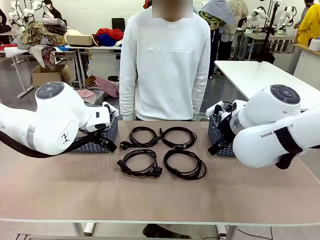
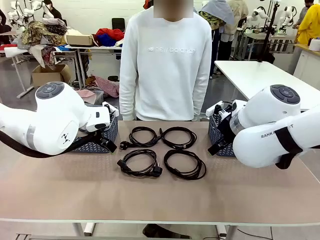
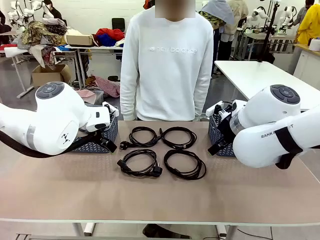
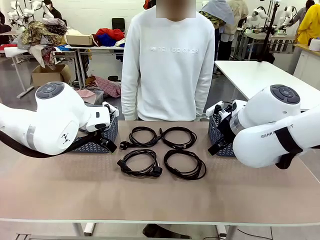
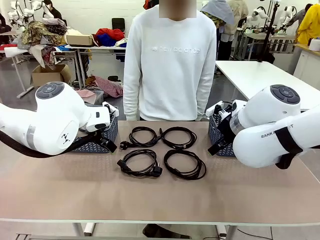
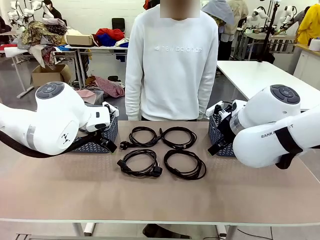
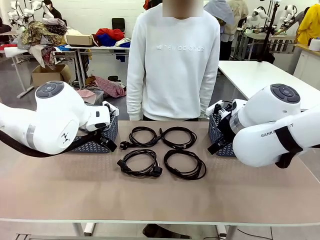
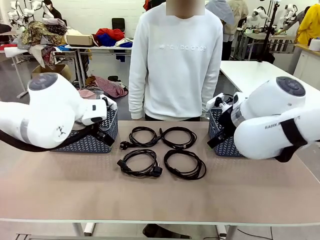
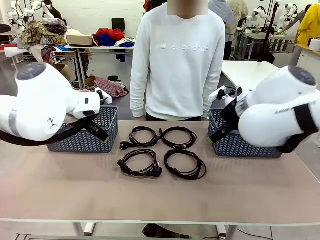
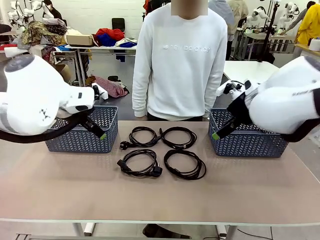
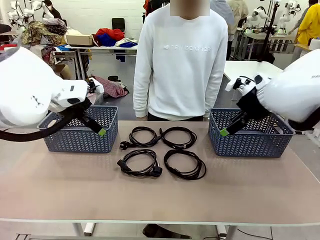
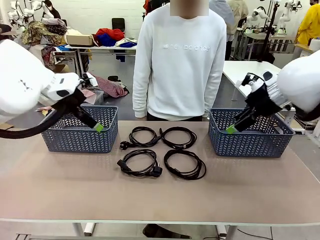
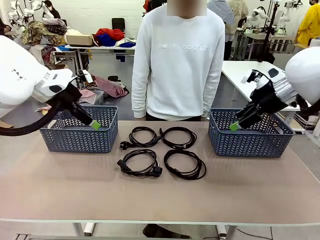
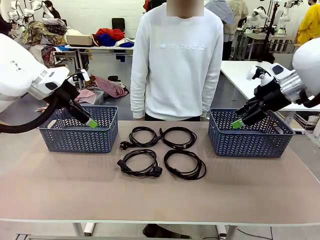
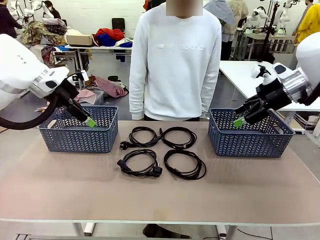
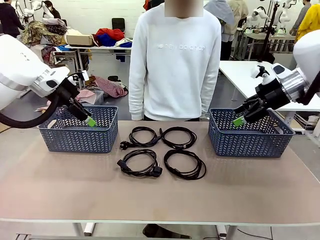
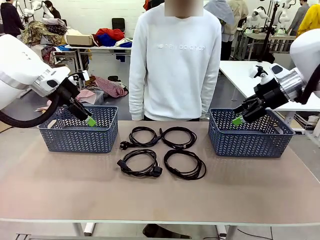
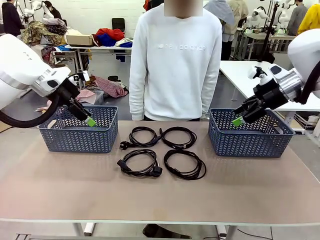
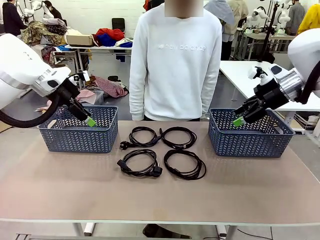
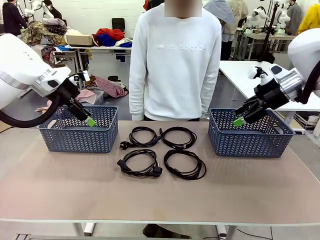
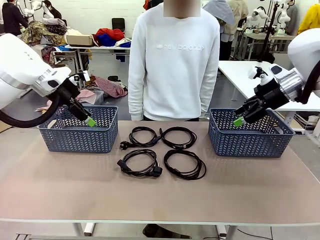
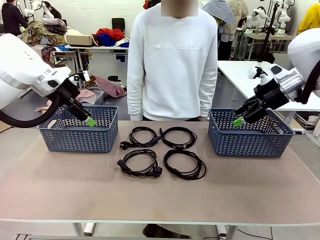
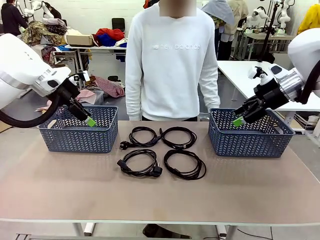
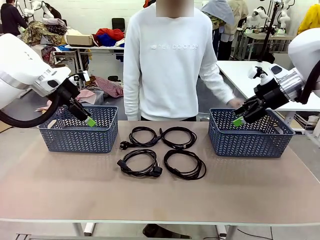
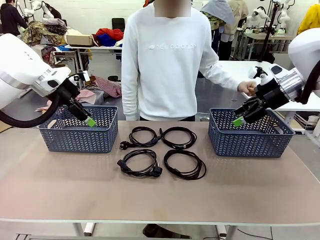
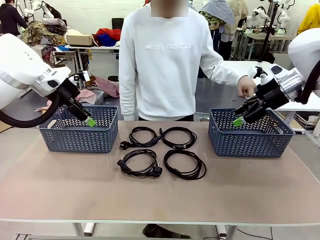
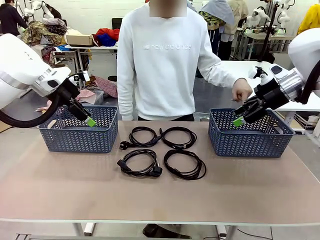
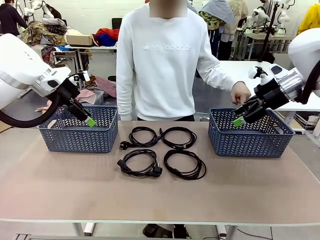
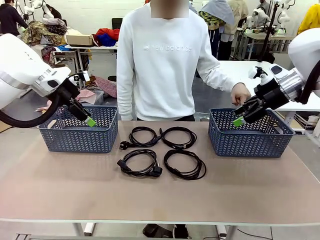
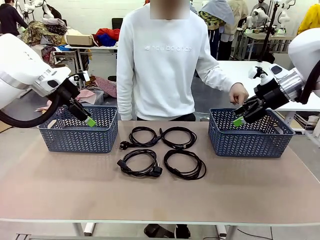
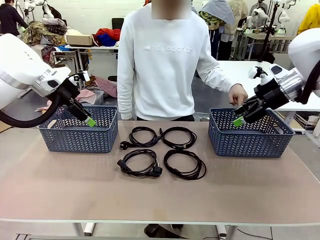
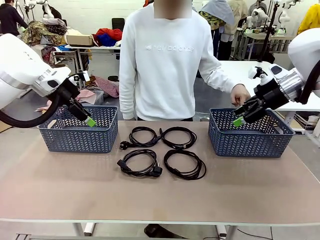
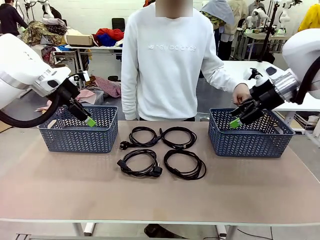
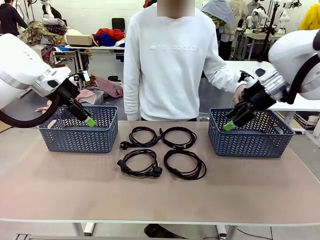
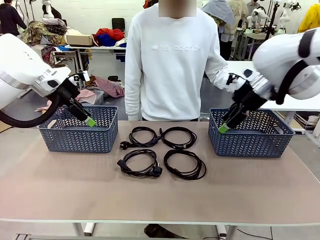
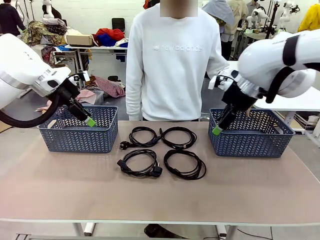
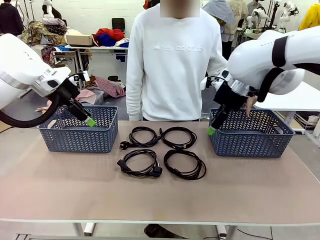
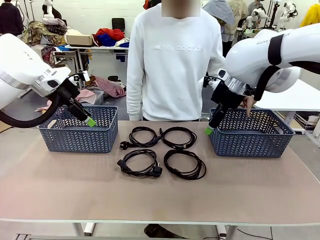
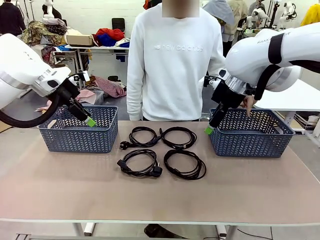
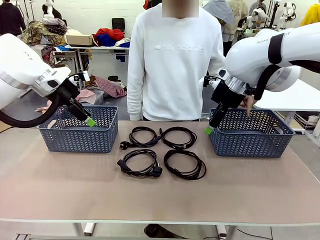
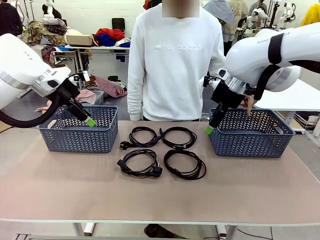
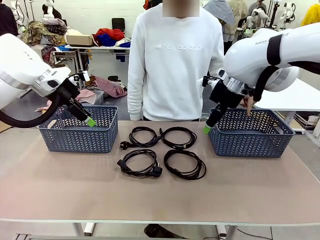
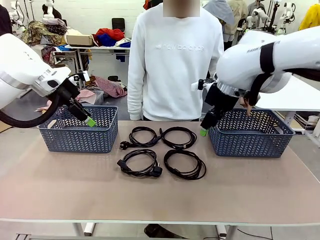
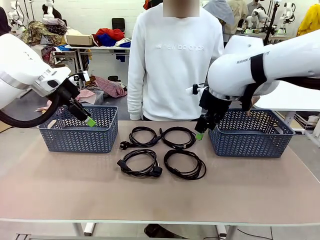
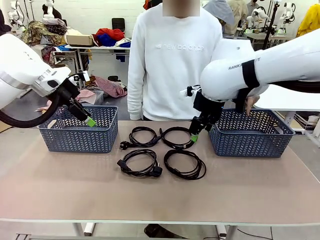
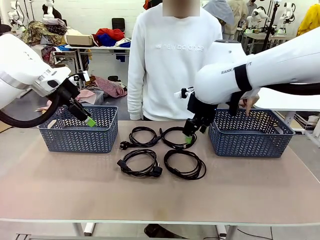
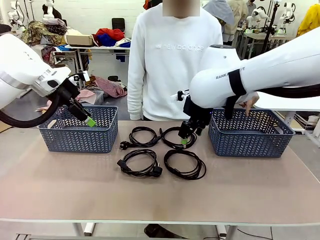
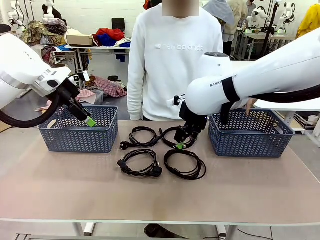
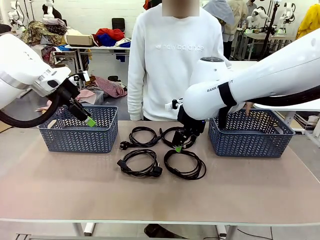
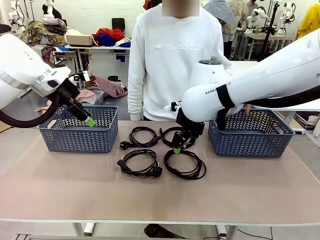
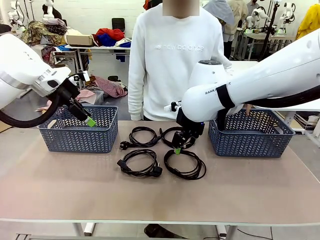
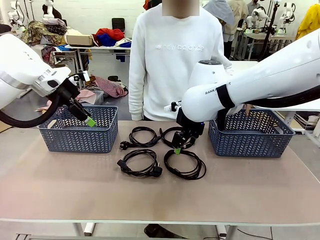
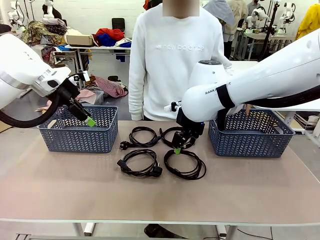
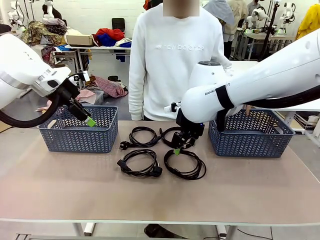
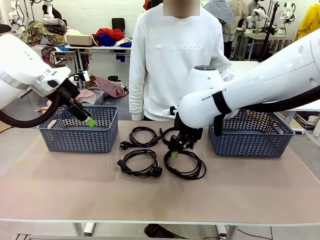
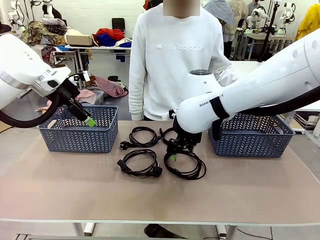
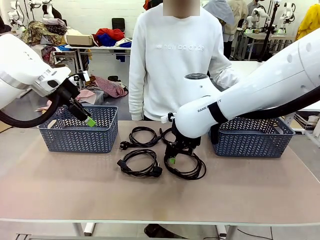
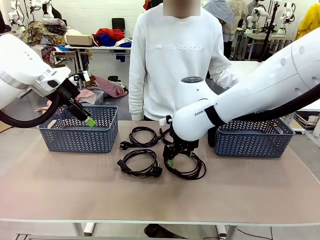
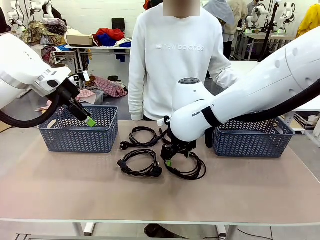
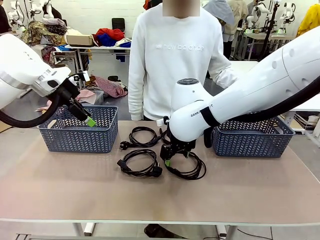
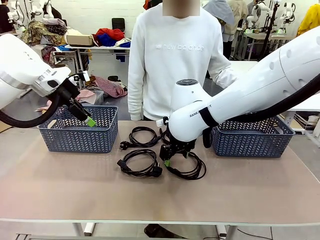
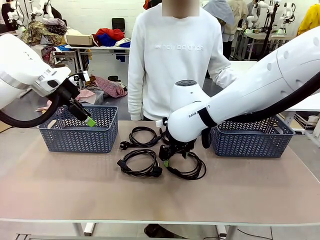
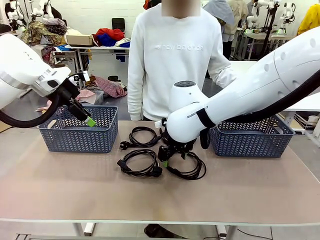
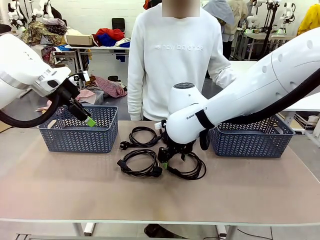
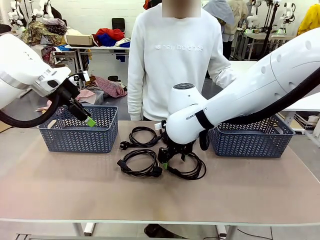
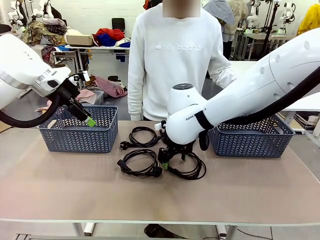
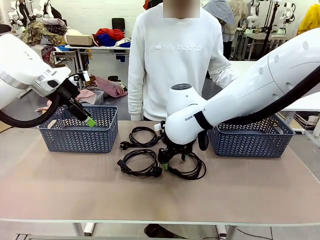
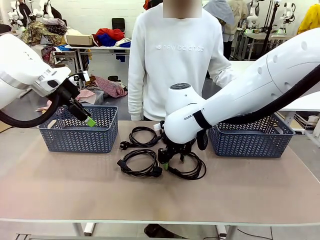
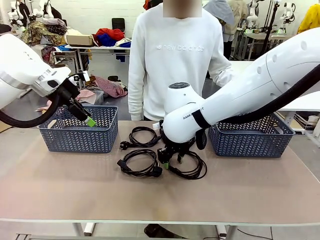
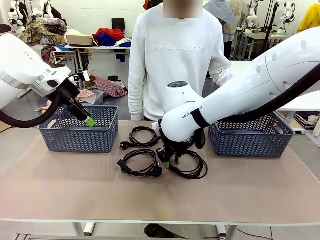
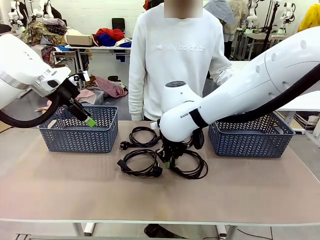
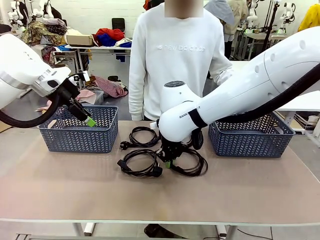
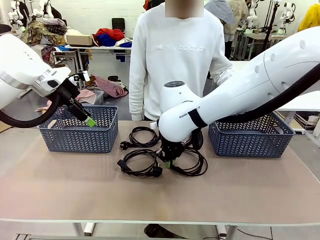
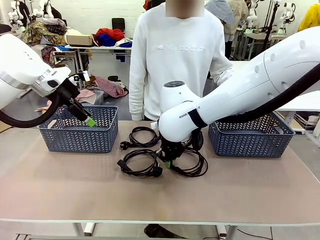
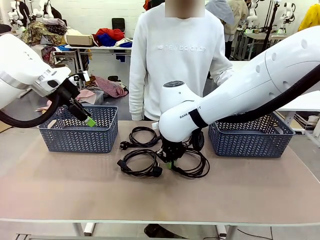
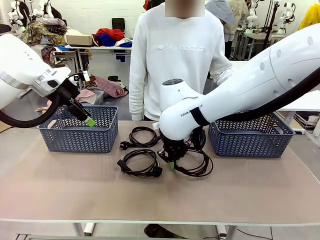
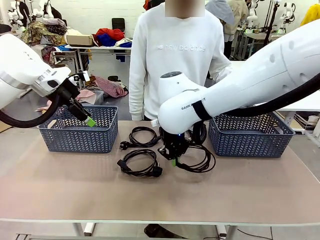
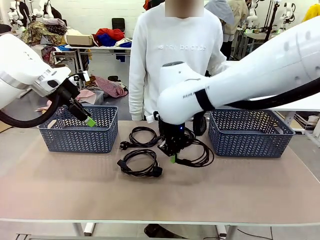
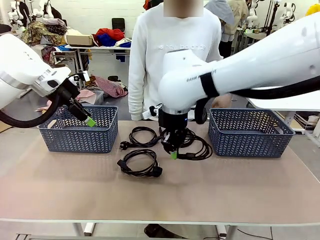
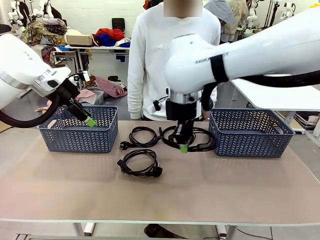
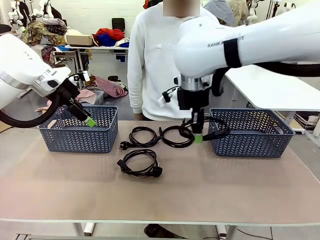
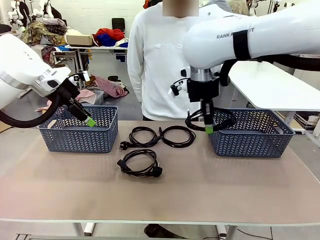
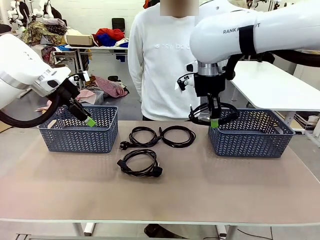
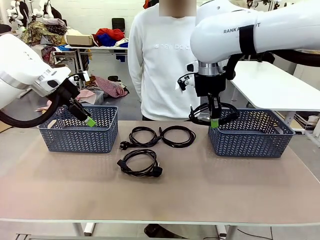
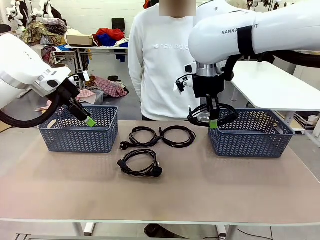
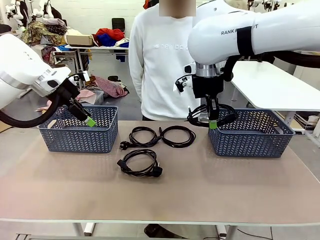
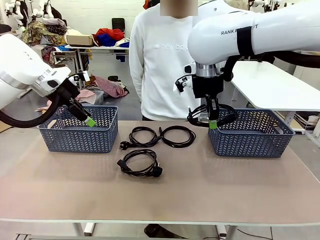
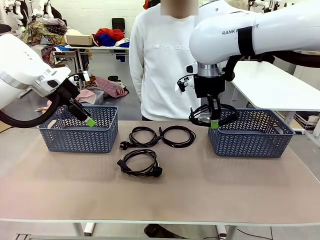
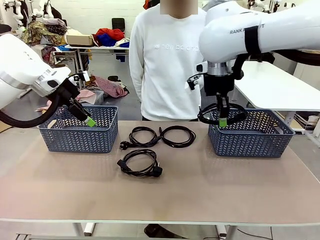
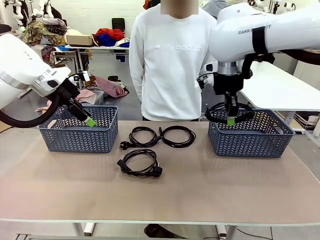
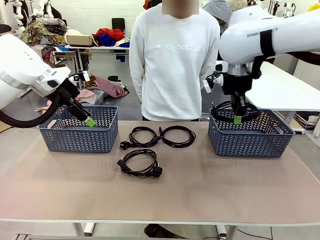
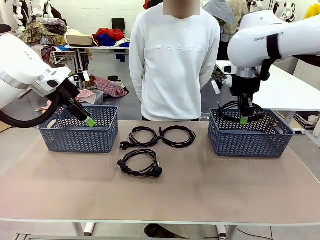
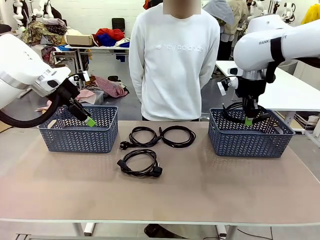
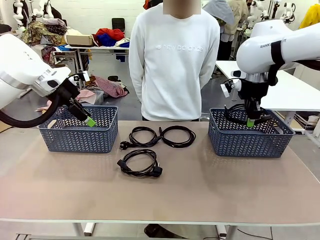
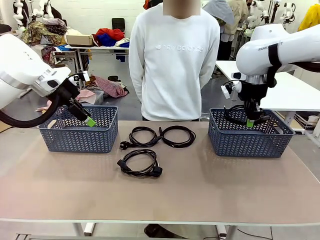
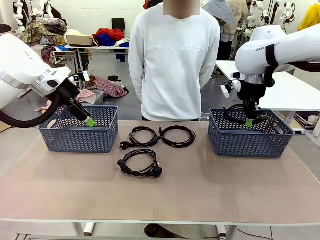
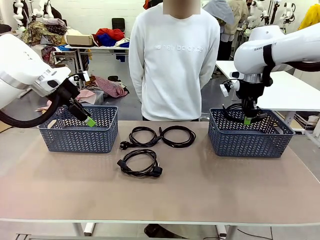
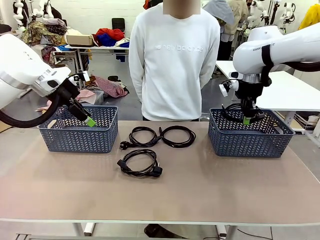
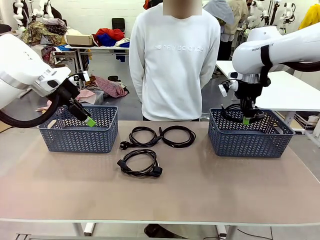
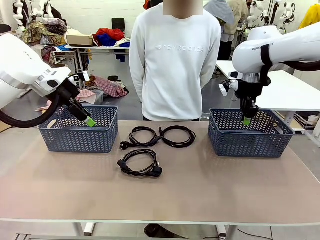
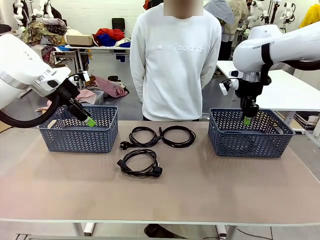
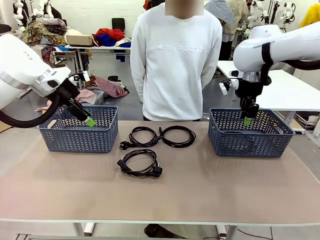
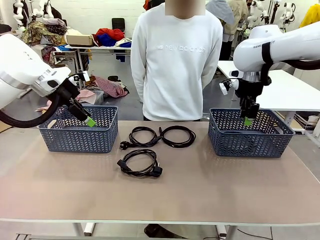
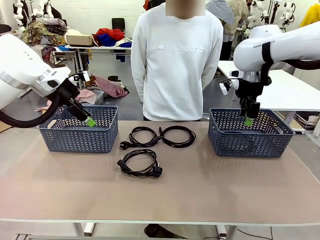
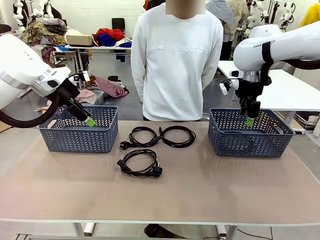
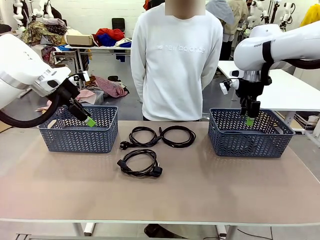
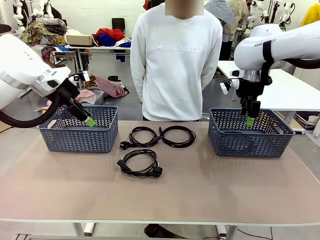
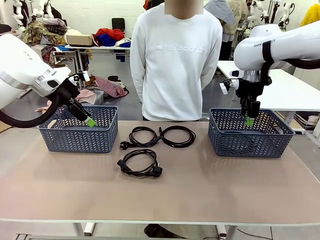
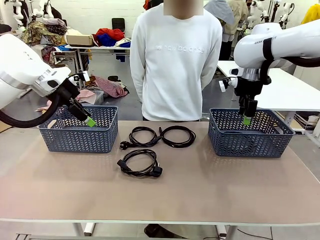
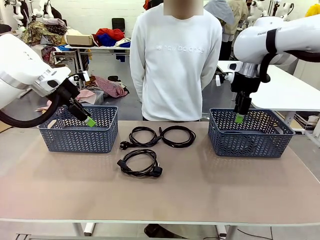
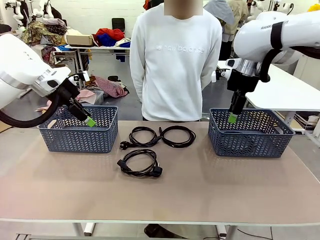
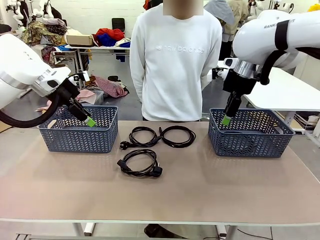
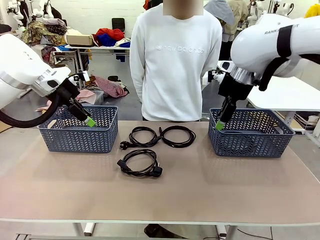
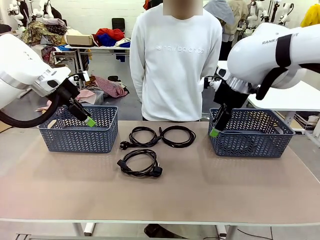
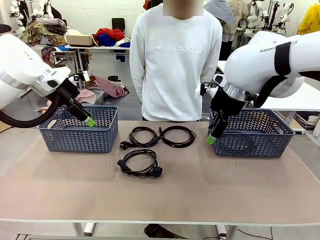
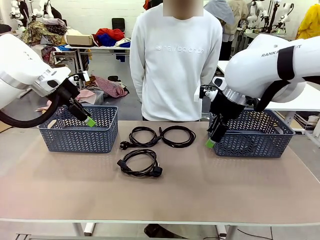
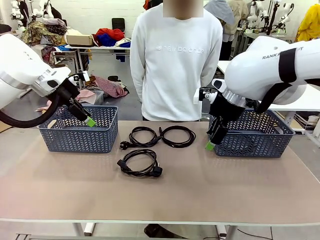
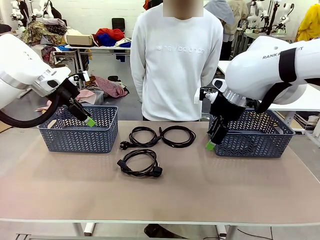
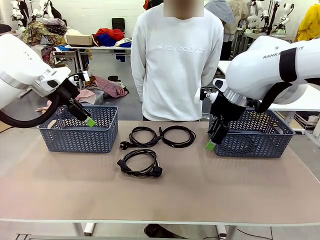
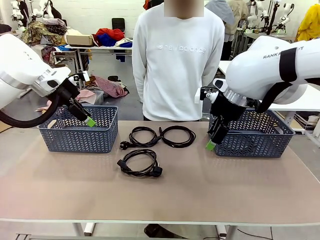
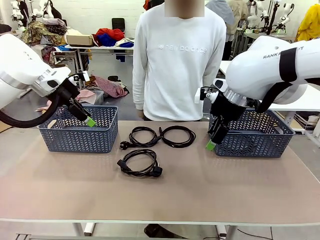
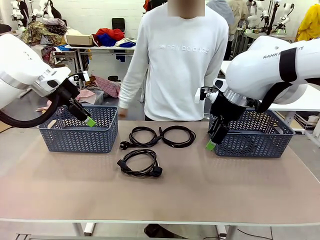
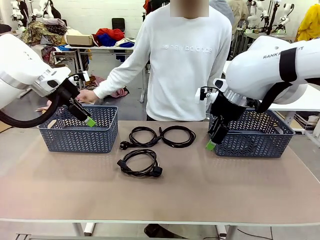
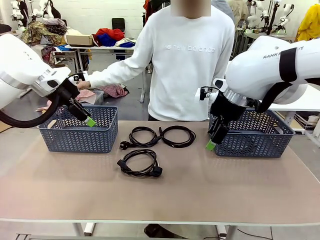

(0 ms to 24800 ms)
Task: Organize the cables according to human instructions.
Robot: Pick up a bundle of cables and place it in the basket indicated by the human.
